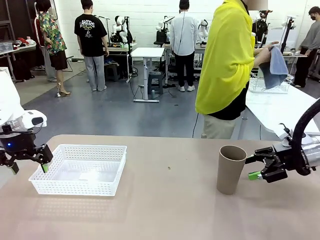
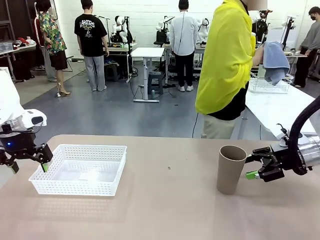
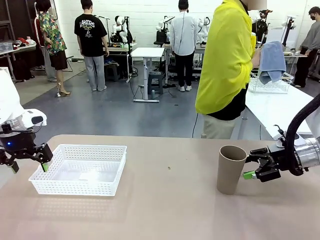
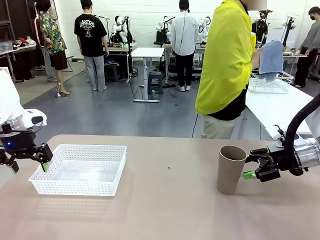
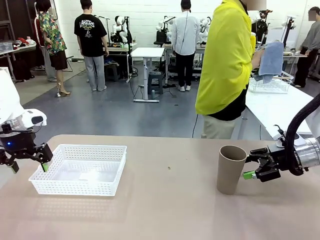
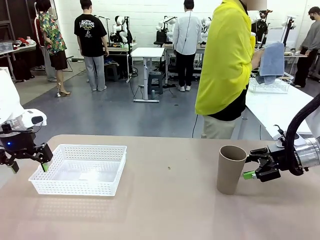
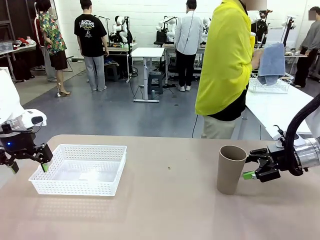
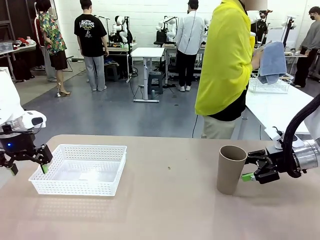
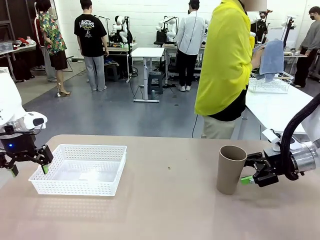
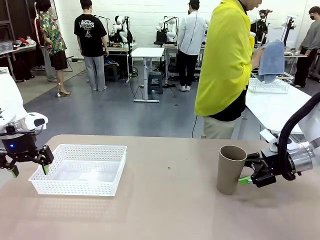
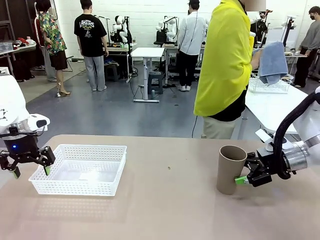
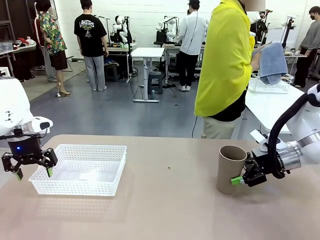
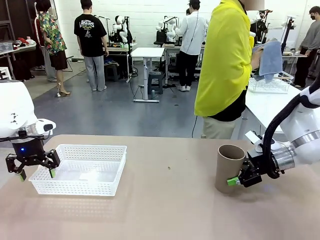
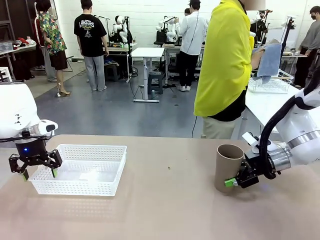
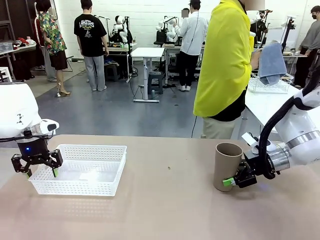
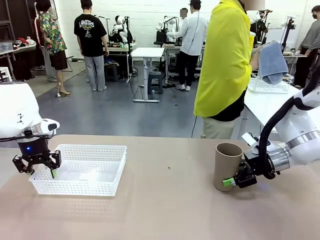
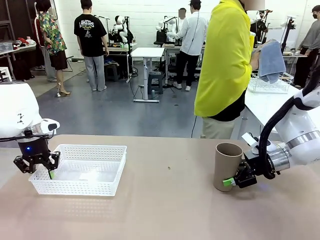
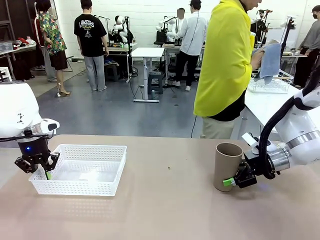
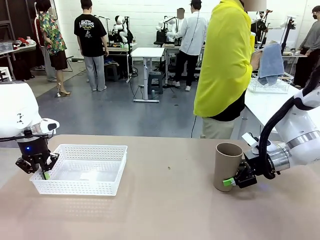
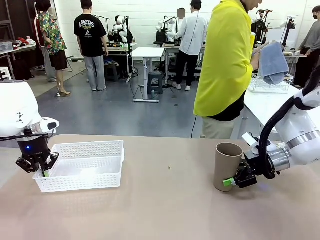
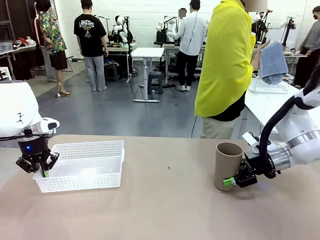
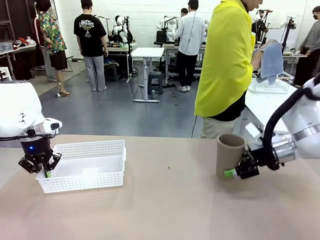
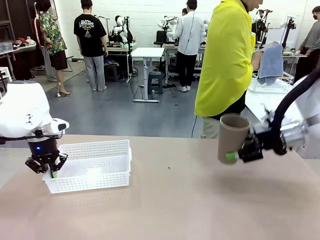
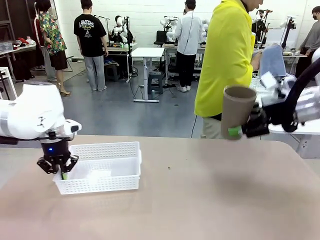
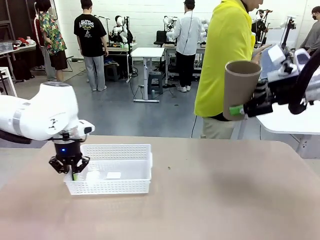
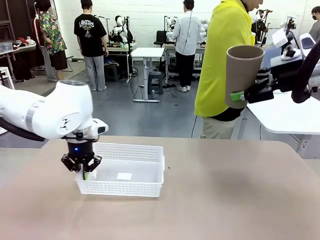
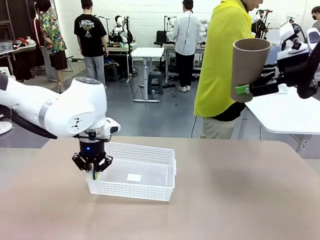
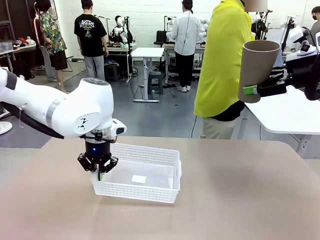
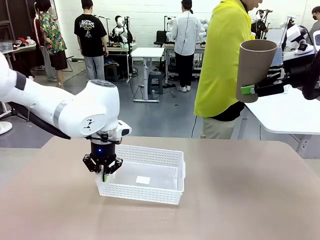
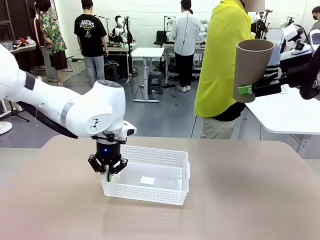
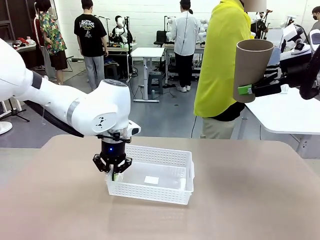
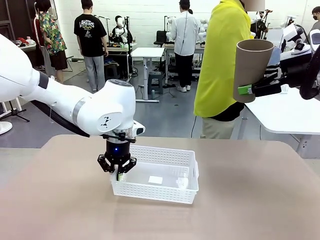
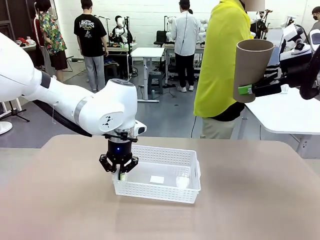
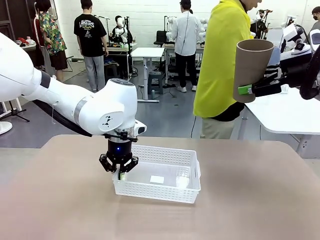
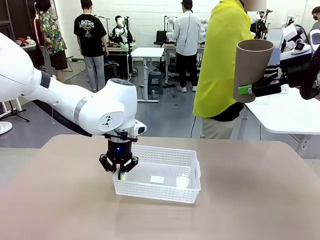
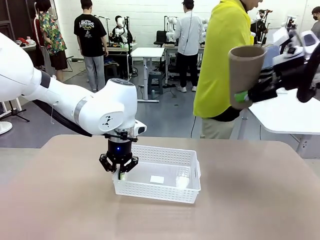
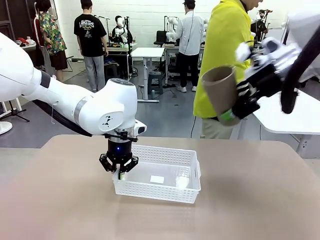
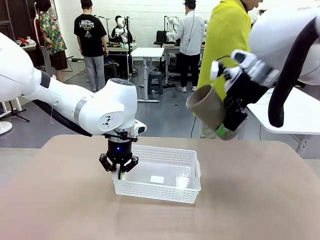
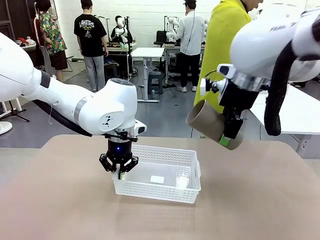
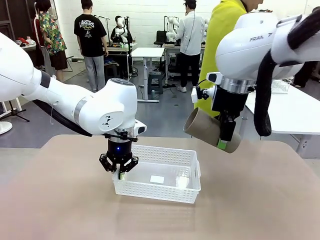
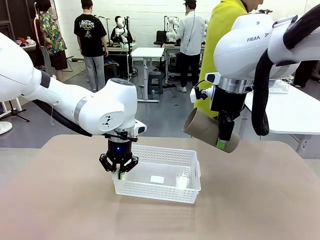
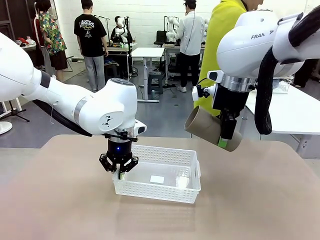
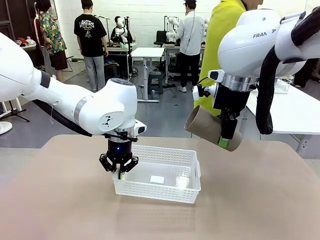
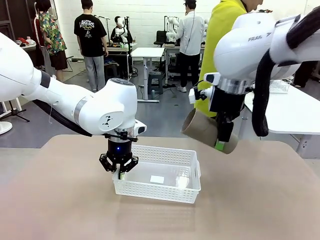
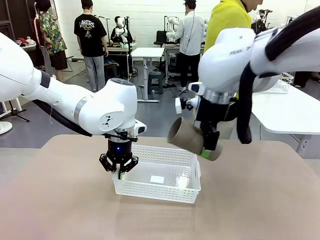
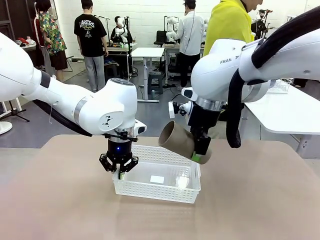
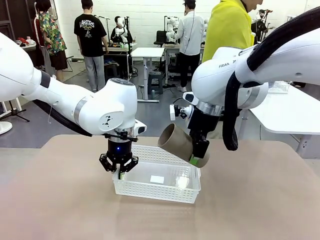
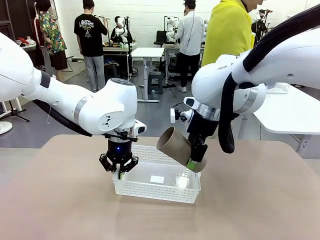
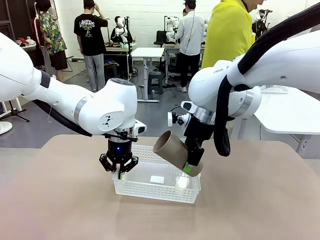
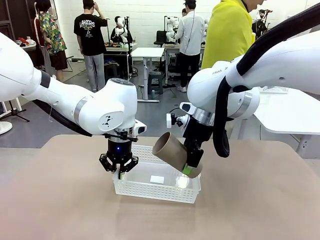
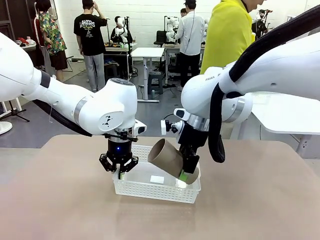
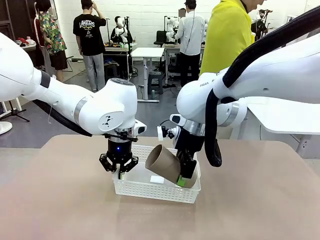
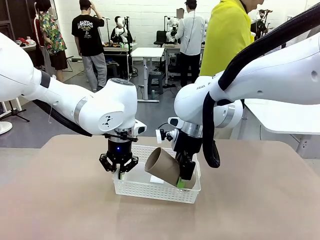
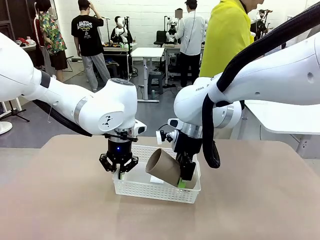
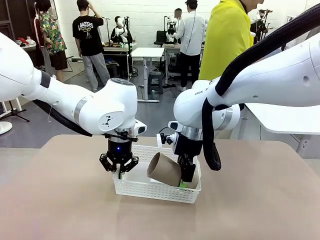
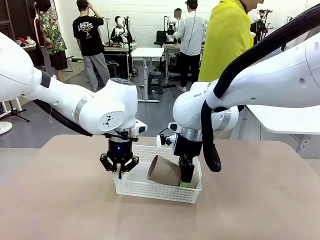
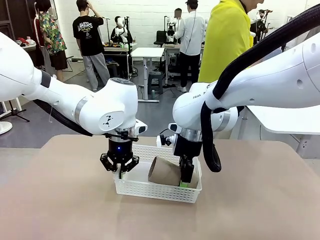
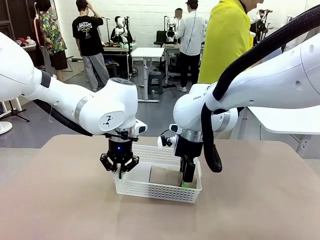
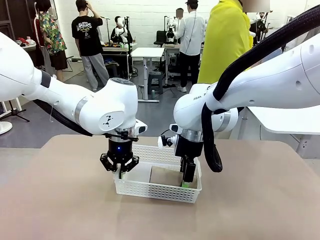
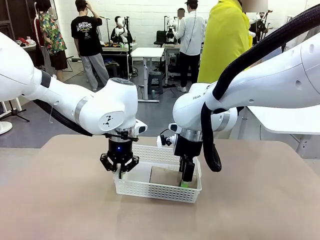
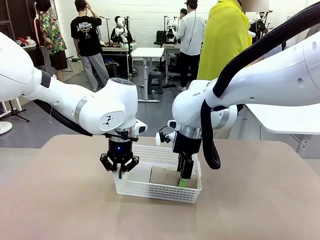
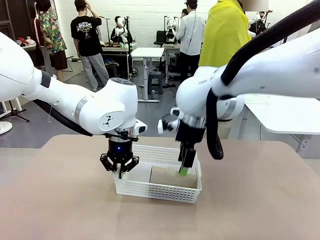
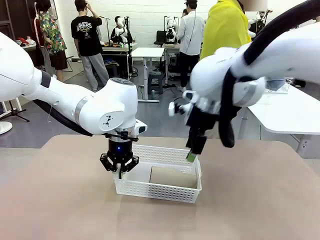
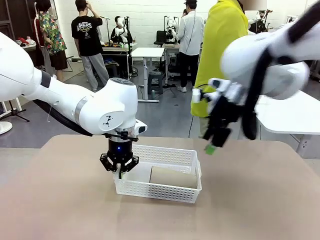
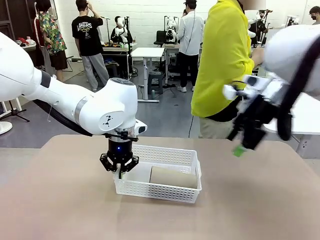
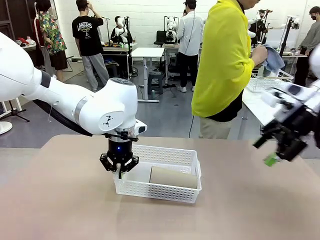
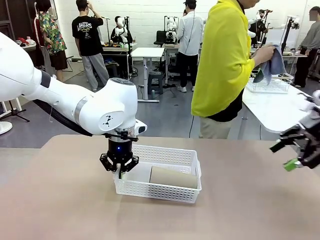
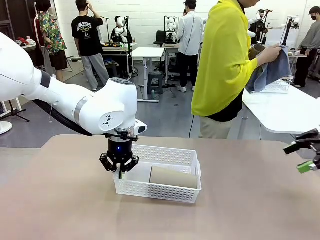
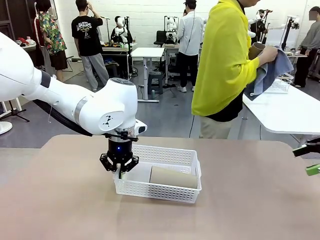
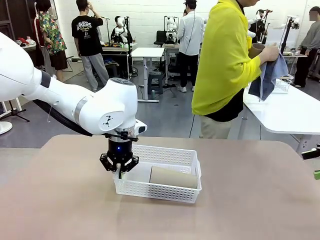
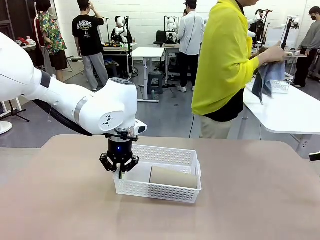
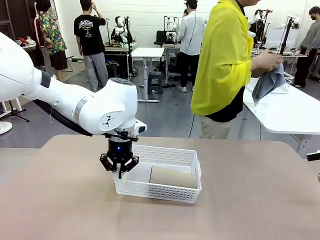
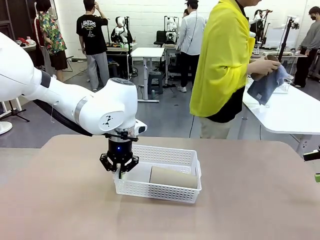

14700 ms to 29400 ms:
Task: Clean and organize the cups into the basket.
Robot: Pick up the Organizing basket and move it to the center of the table, then pick up the Reusable plastic cup from the right side of the table and place it inside the Organizing basket.

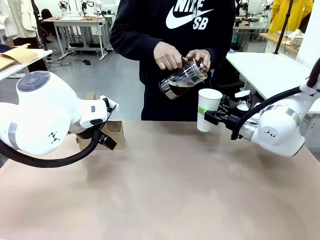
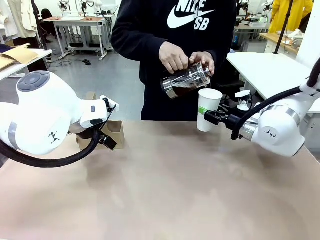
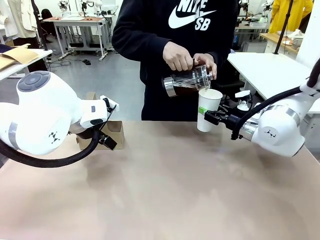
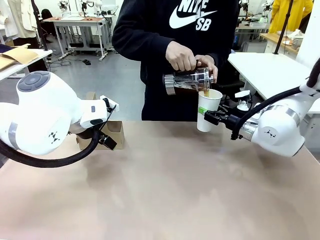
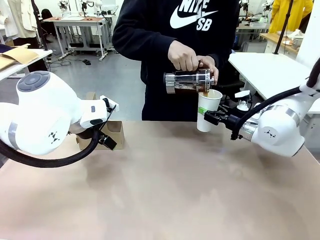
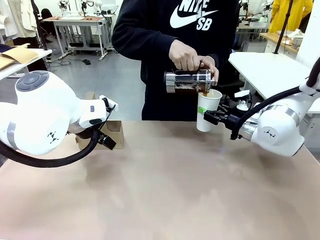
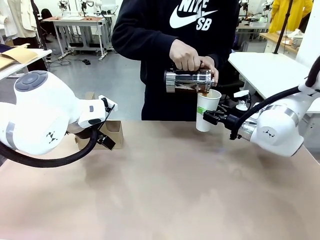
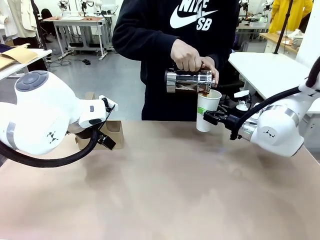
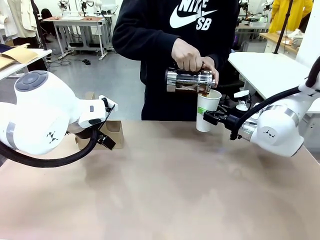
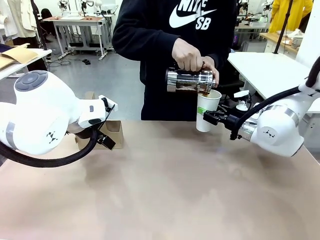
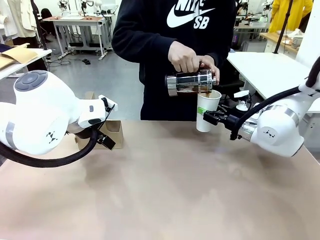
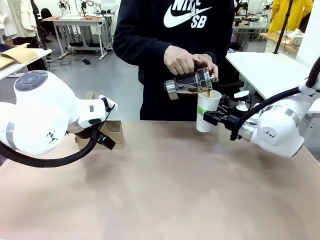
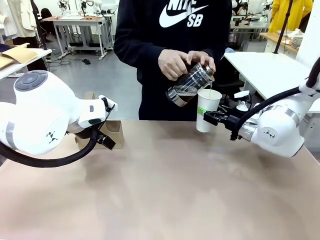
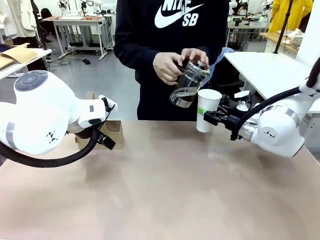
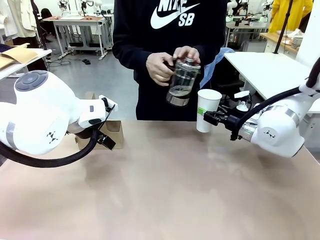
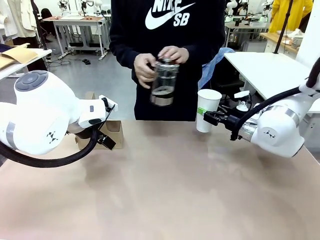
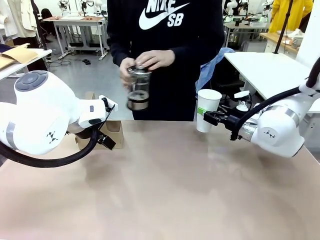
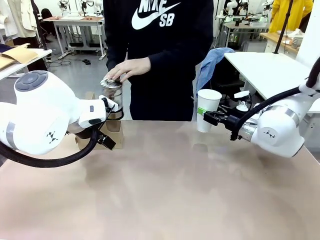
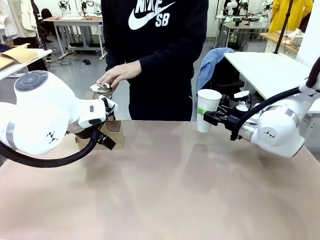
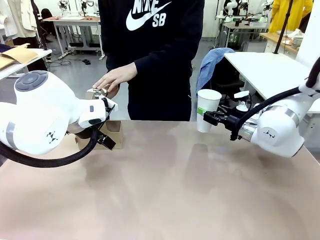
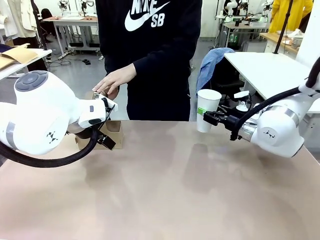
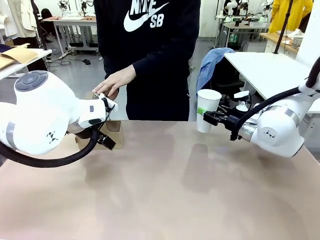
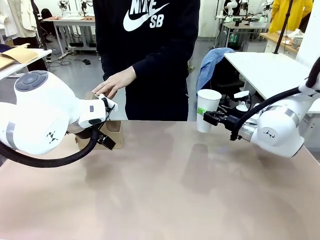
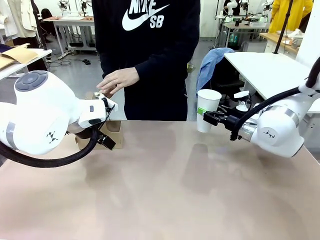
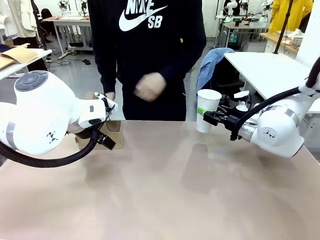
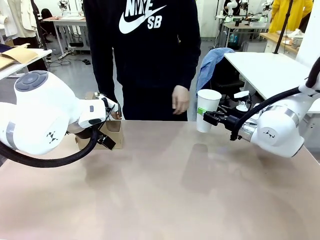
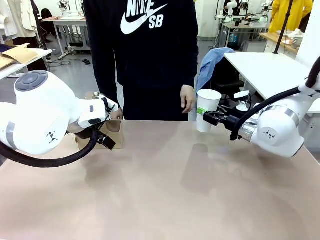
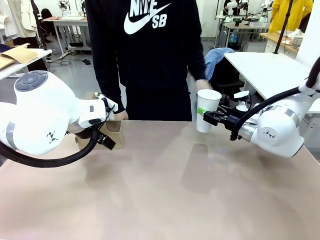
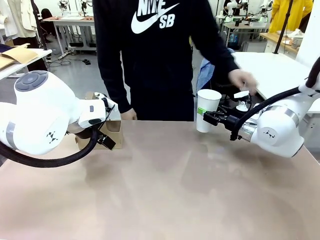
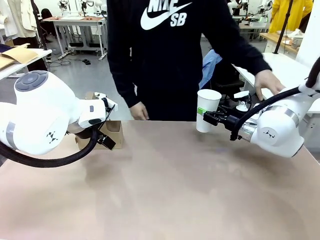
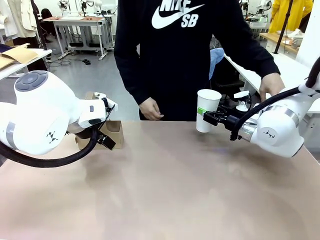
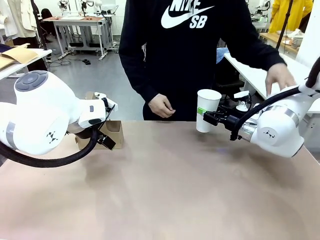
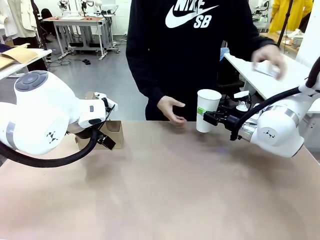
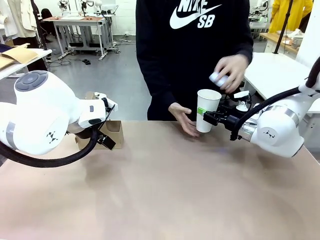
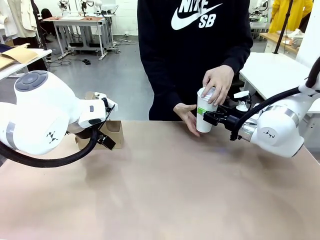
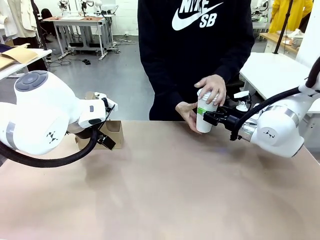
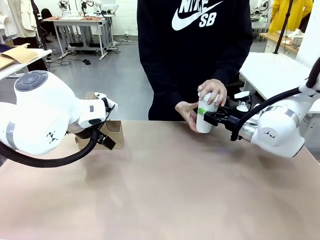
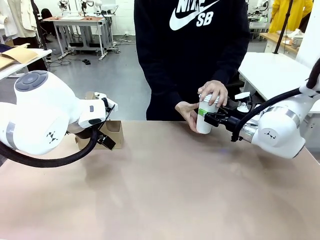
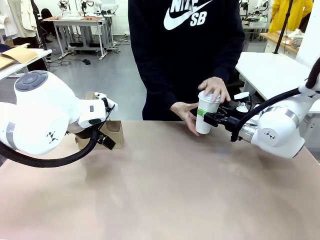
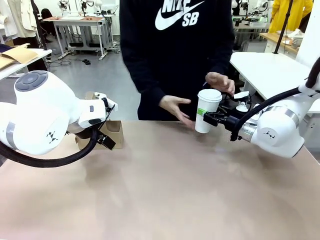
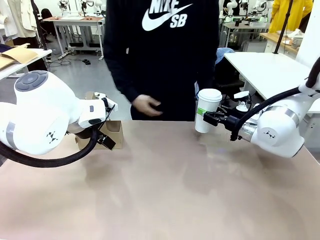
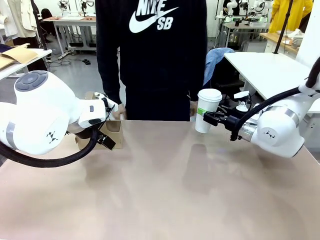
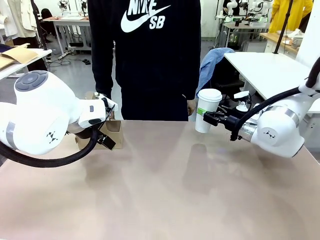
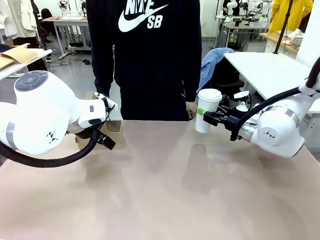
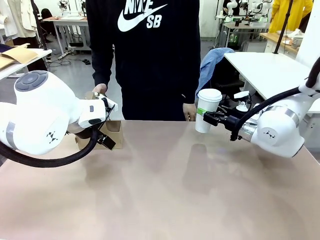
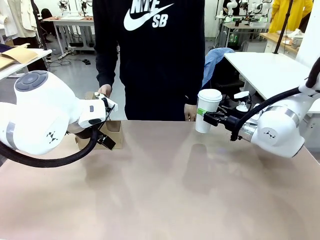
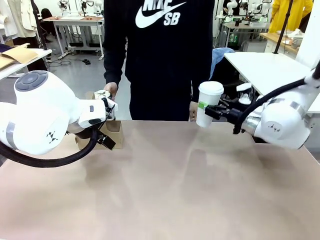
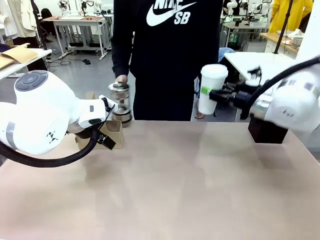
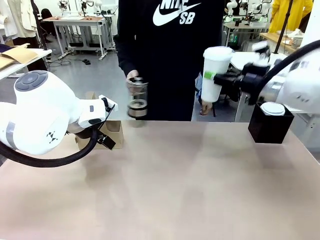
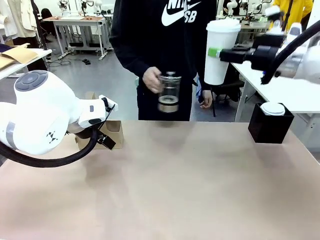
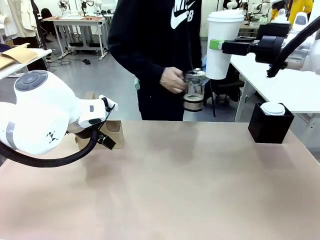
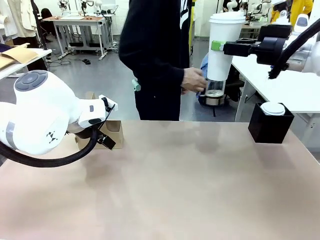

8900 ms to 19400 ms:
Task: Pour a drink into a cup and package it in a carrier.
Robot: When a person places the Paper Cup Lid on the 600 ml Paper Cup , lift the 600 ml Paper Cup.
Person: Pour the drink from the Filter Brewing into the 600 ml Paper Cup. Place a Paper Cup Lid on the 600 ml Paper Cup.
